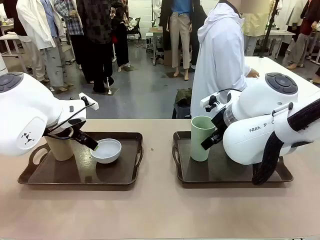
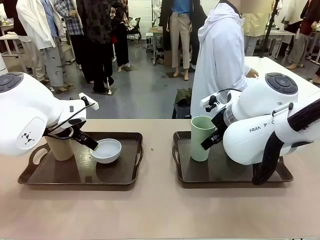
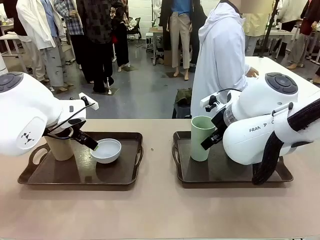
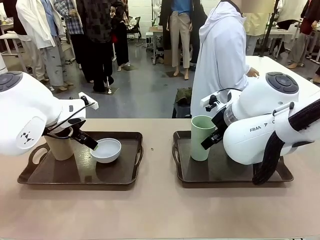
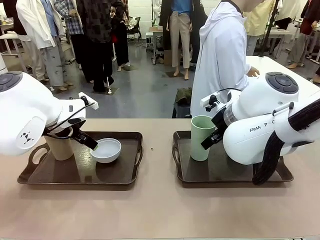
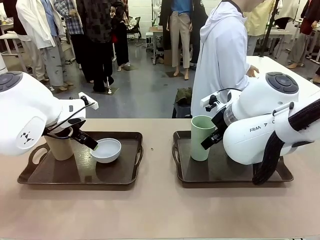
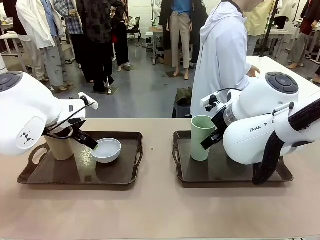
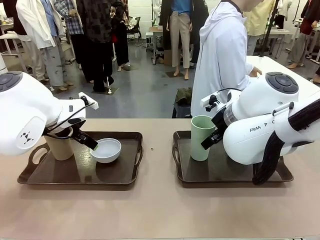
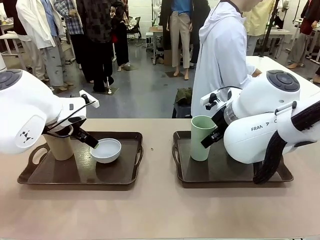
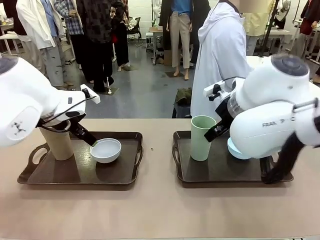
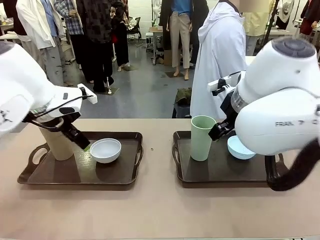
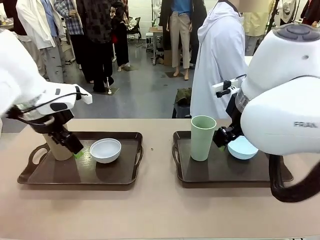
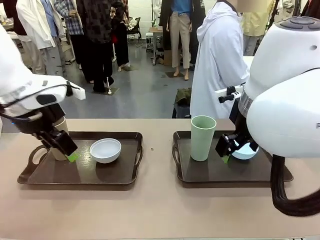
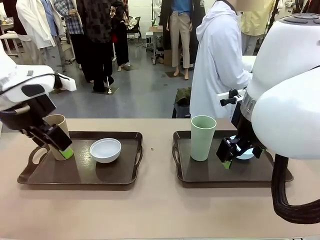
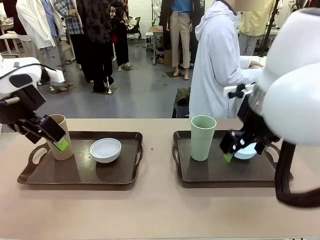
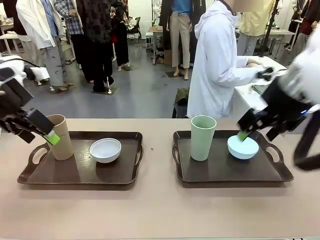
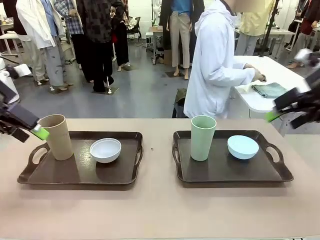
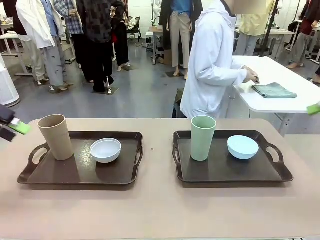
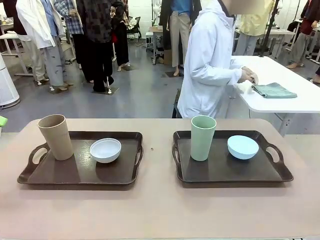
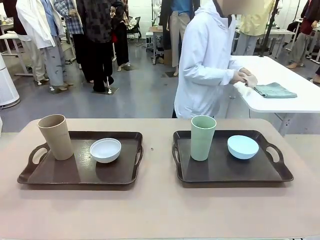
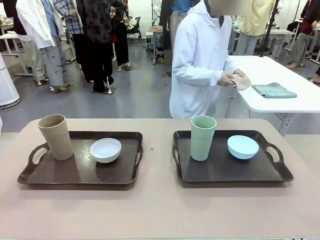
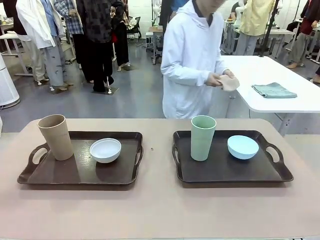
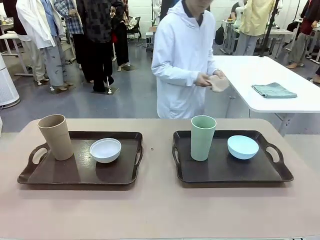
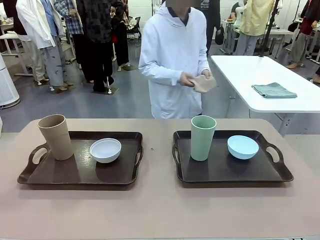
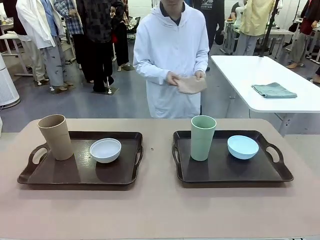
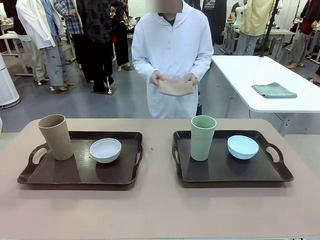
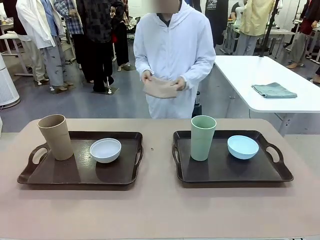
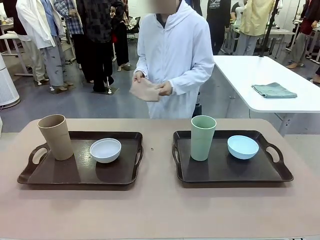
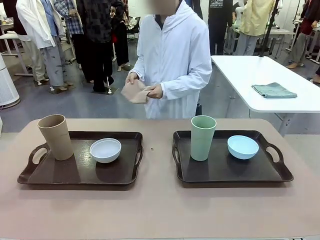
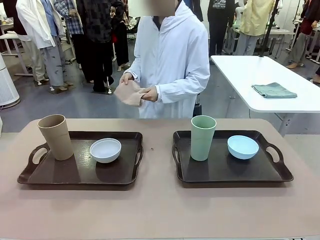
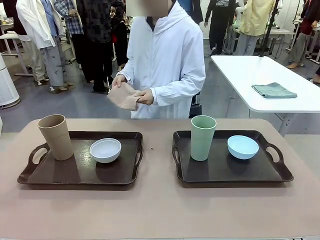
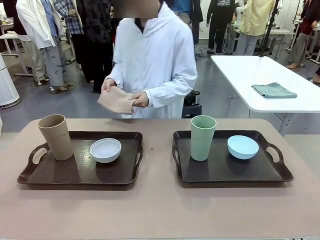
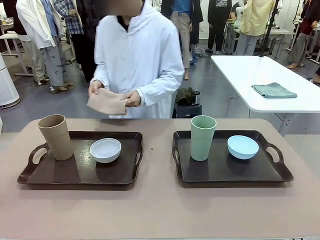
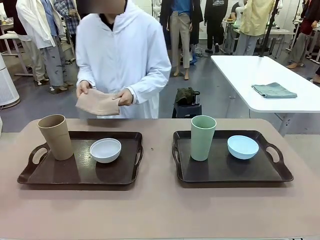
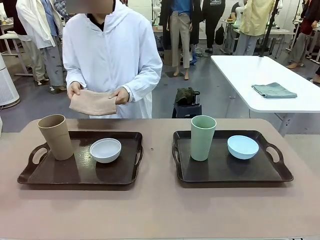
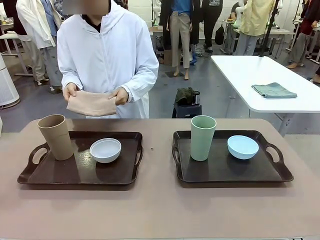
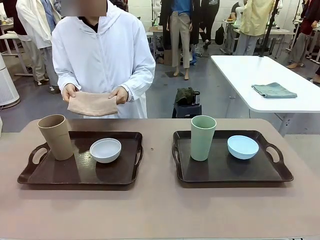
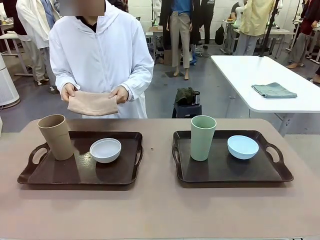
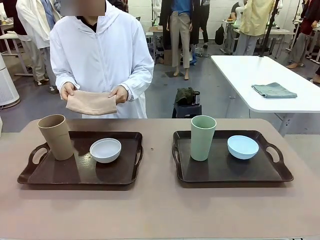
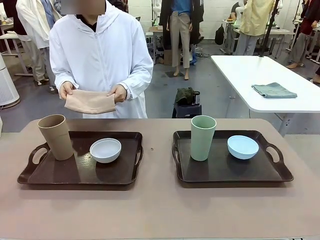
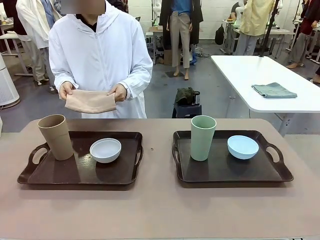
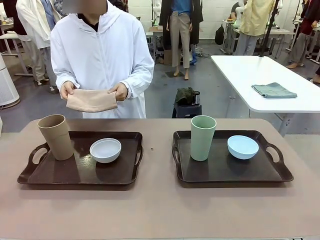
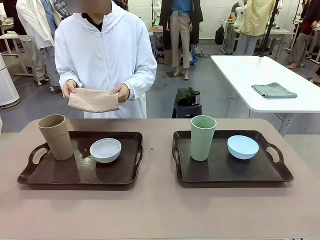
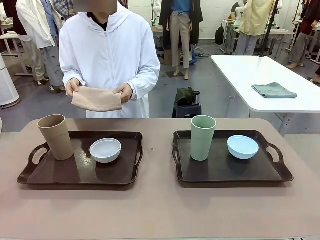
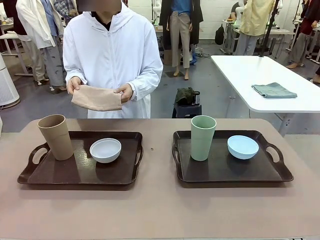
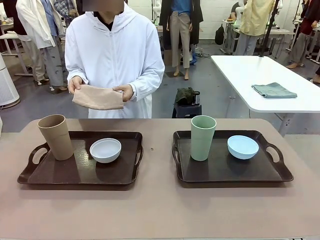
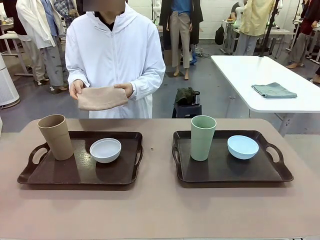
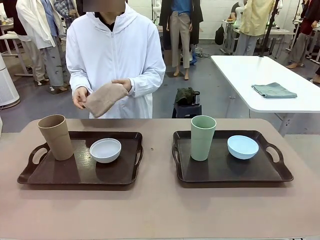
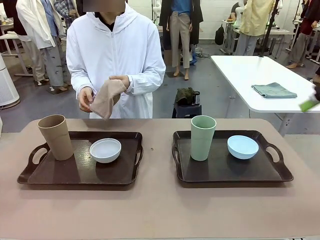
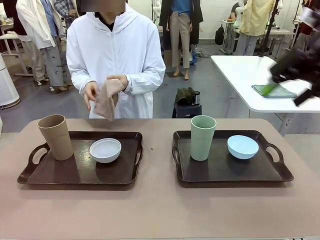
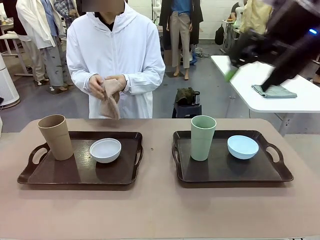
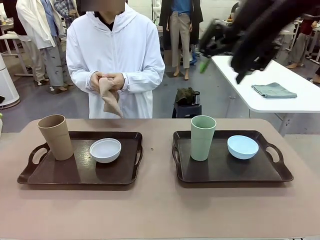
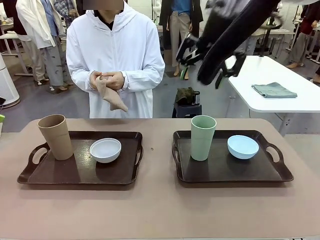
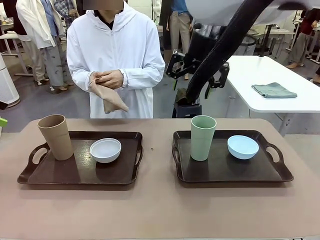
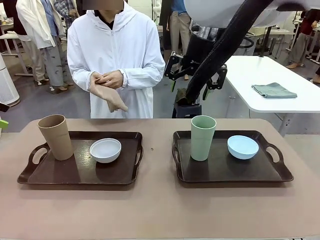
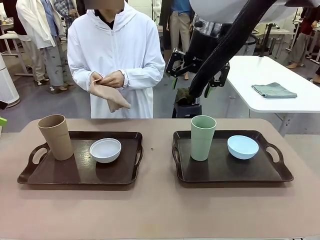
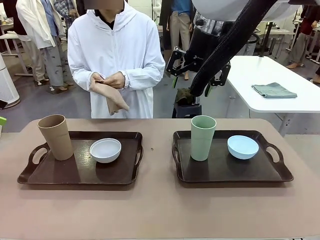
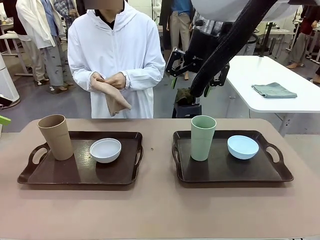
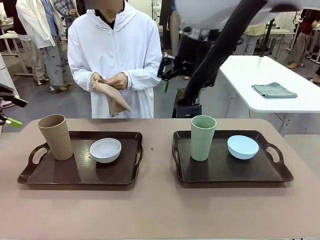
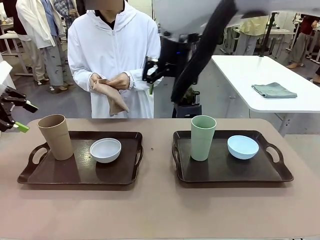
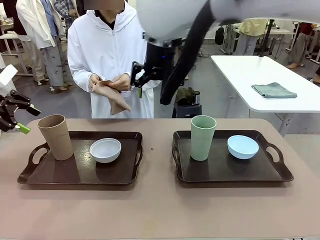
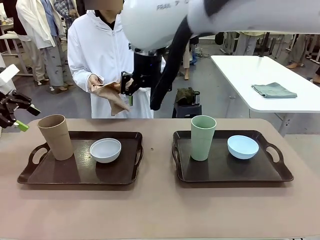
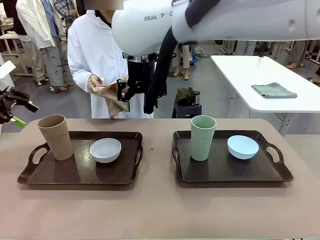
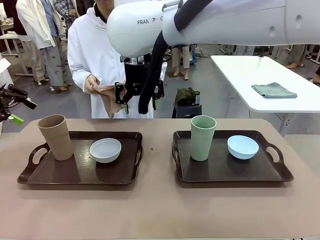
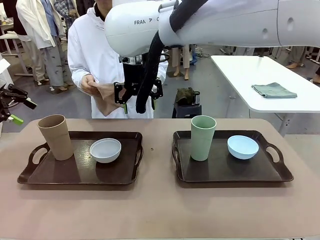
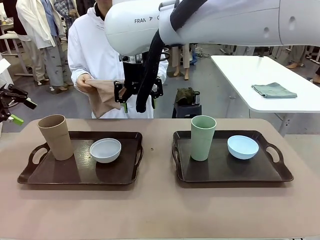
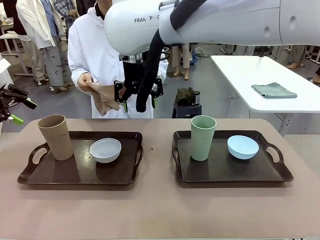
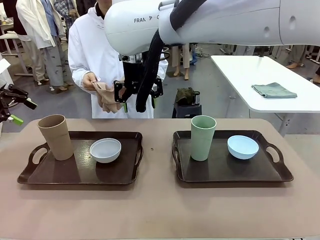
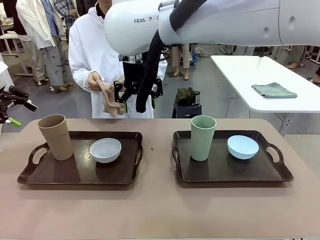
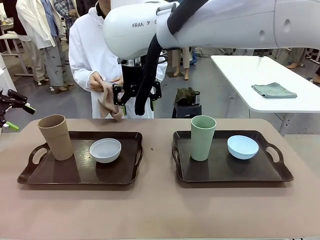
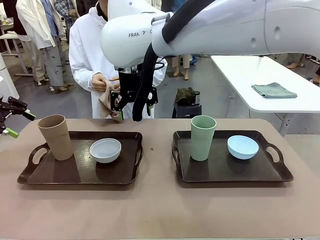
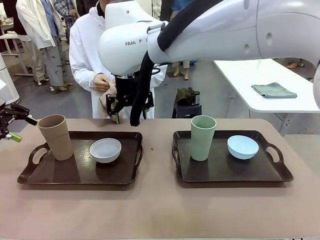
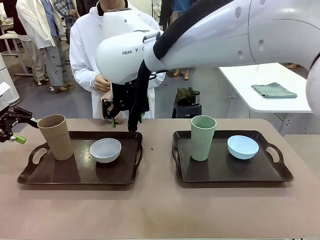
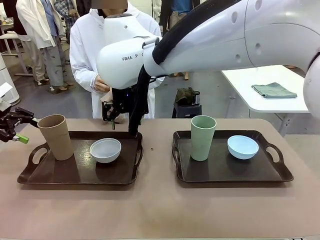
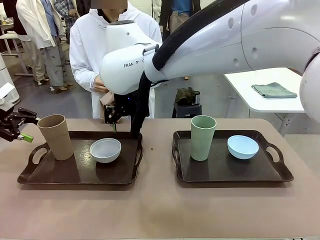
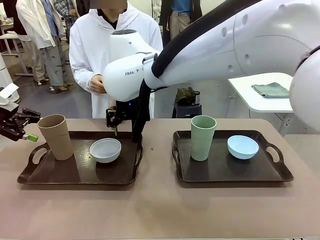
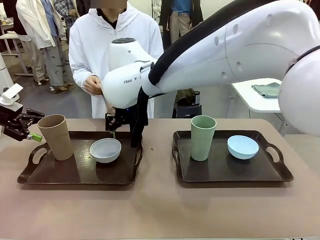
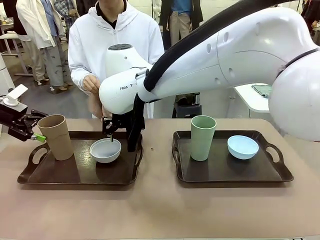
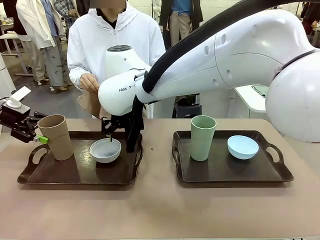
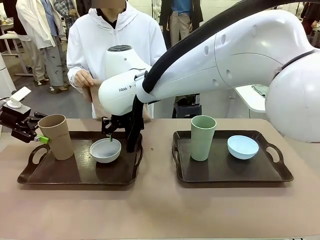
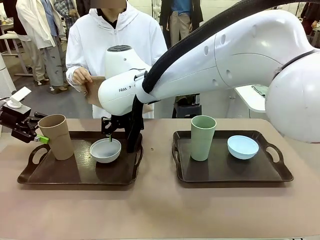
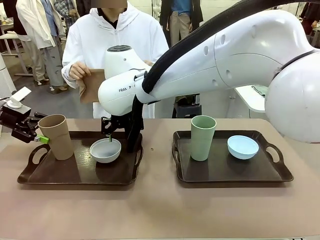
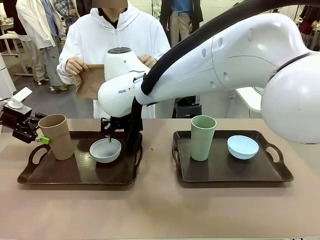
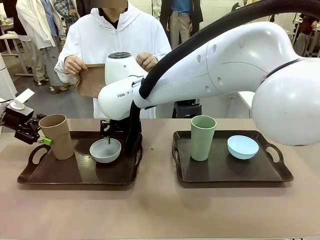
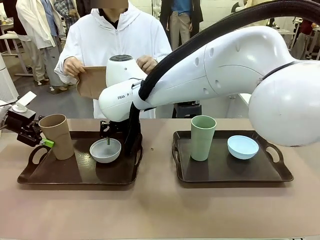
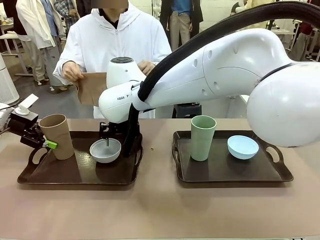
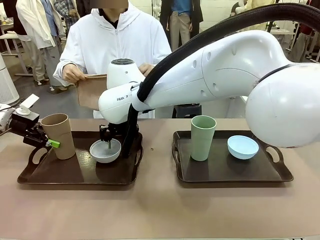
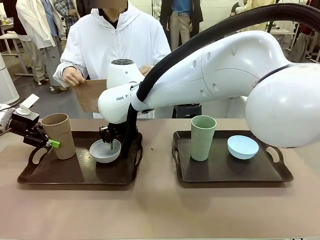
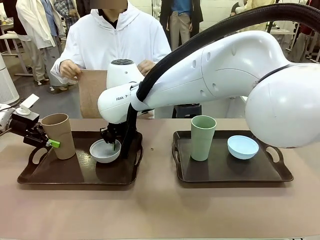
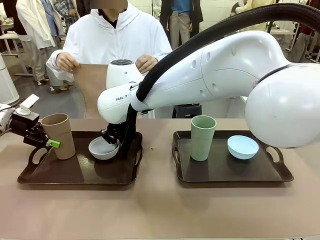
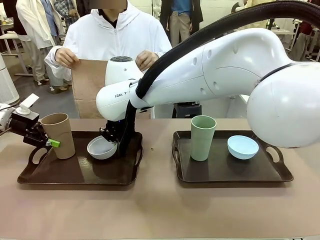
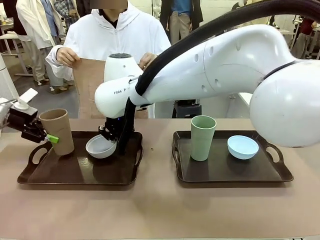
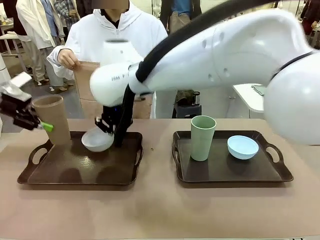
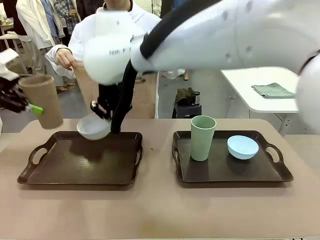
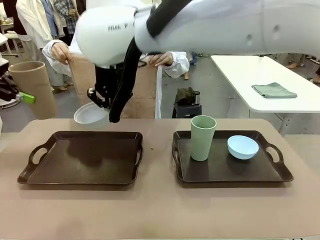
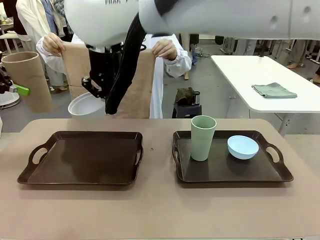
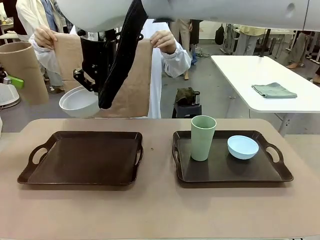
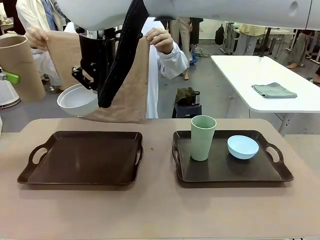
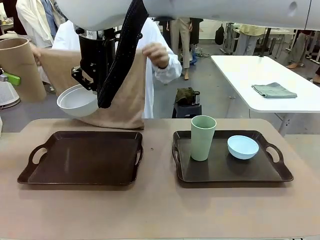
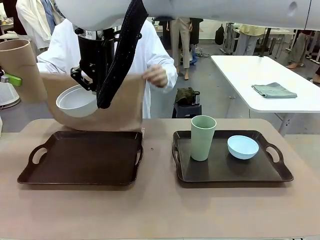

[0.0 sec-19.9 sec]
Robot: Pick up the Picnic Bowl and Reusable plastic cup from the Handle tray in front of the human's position and hold them in the air.
Person: The human picks up the top napkin from the stack on the human table and walks to the robot table to stand in front of one of the two trays. When the robot lifts the bowl and the cup, the human unfolds the napkin and lays the napkin flat on the tray.
